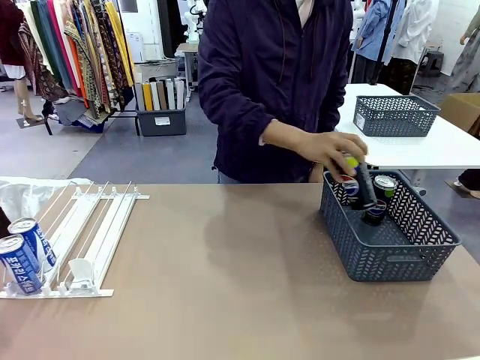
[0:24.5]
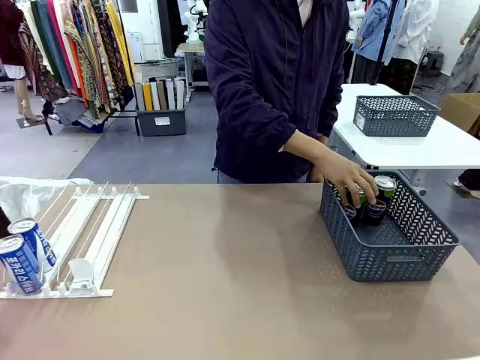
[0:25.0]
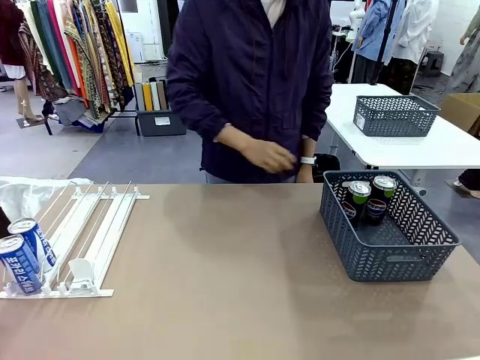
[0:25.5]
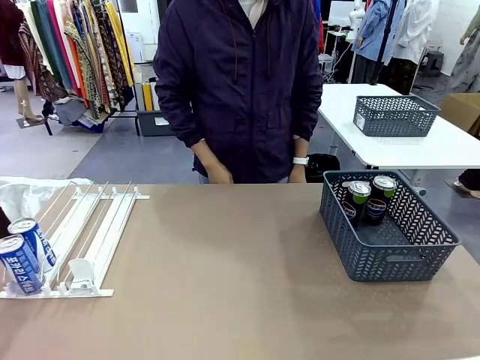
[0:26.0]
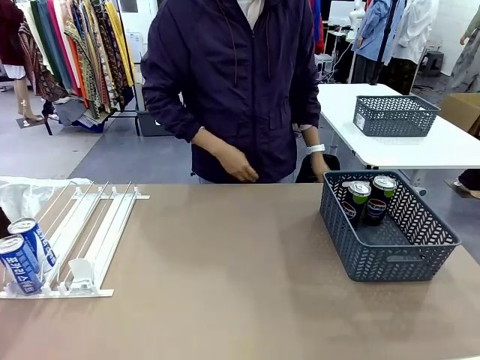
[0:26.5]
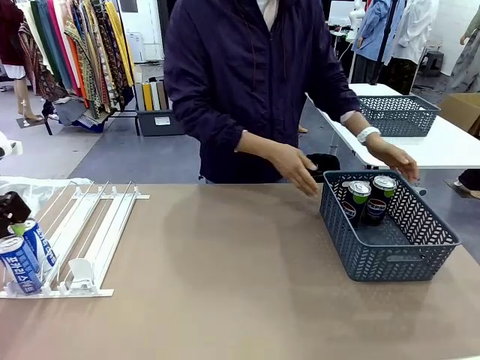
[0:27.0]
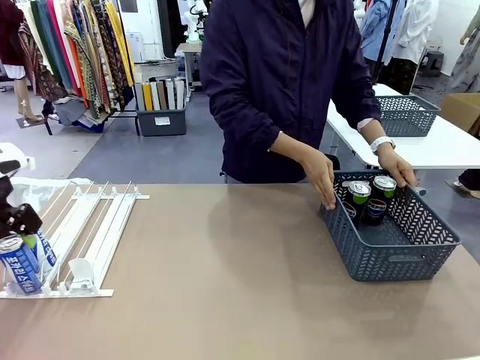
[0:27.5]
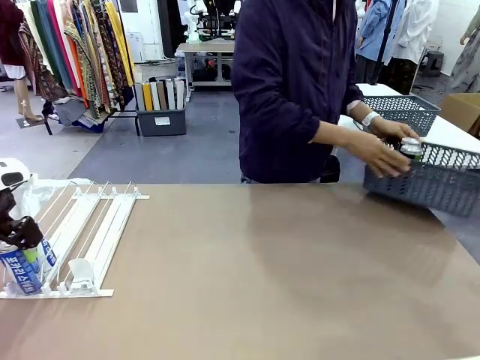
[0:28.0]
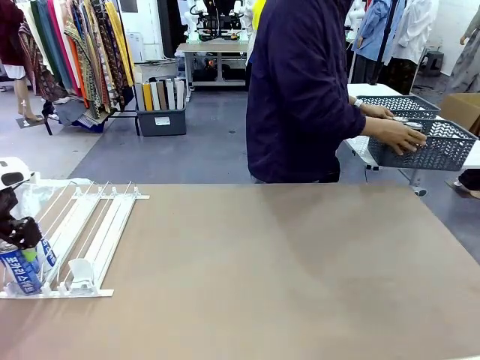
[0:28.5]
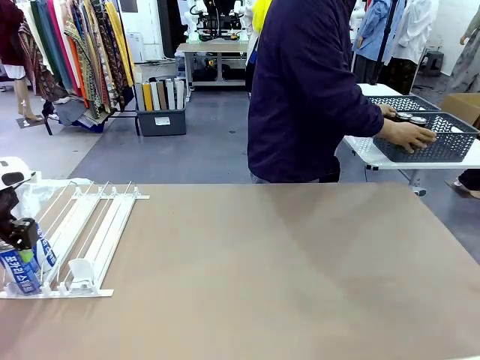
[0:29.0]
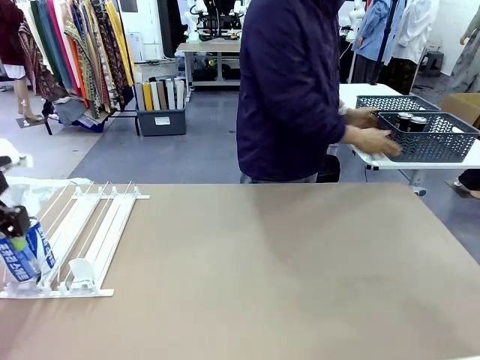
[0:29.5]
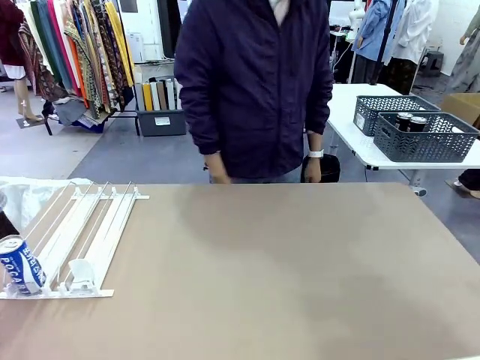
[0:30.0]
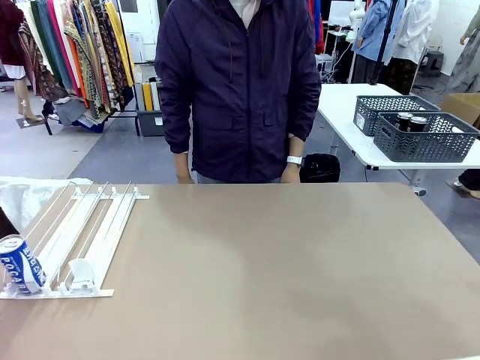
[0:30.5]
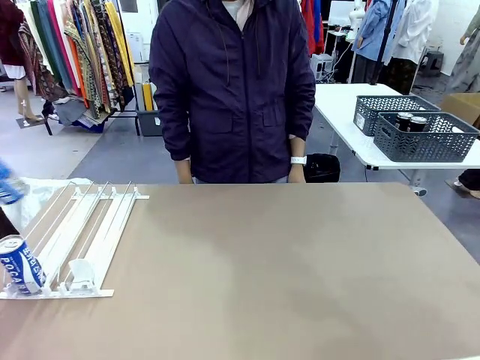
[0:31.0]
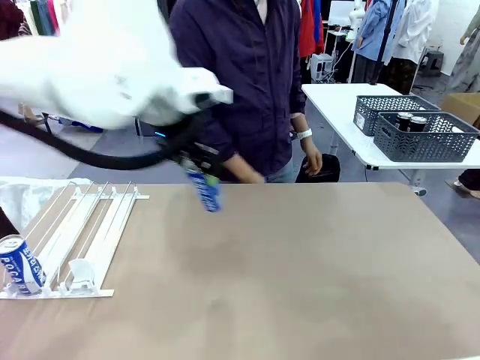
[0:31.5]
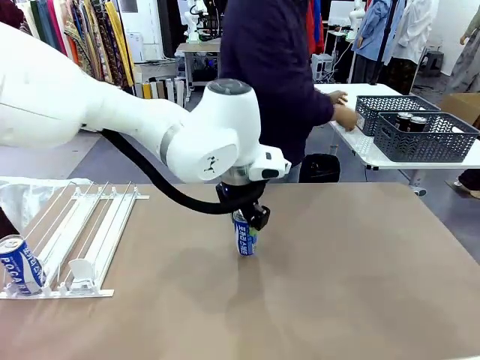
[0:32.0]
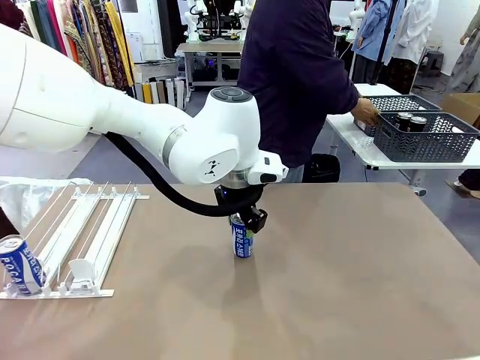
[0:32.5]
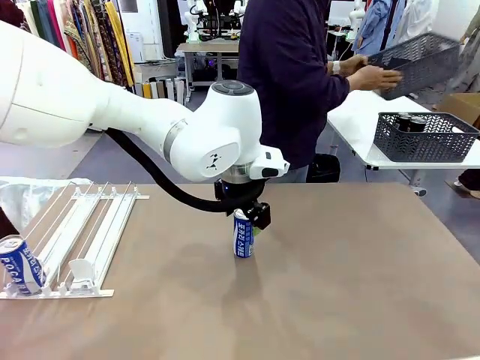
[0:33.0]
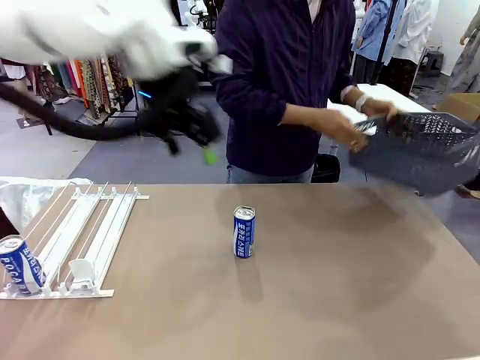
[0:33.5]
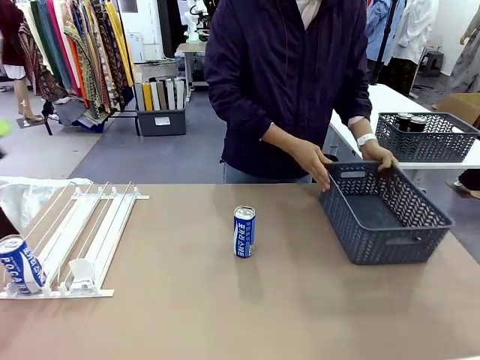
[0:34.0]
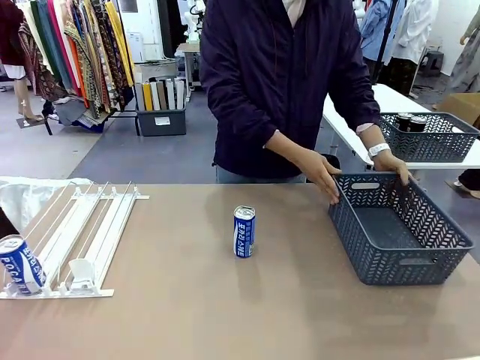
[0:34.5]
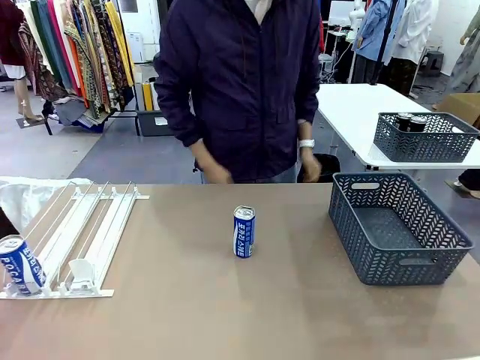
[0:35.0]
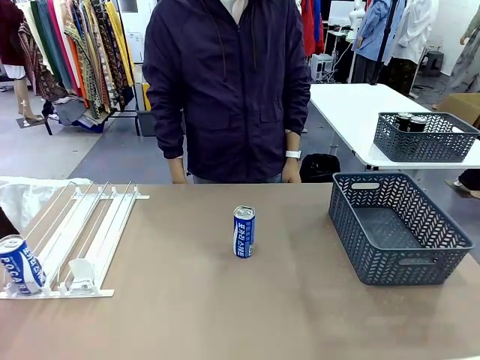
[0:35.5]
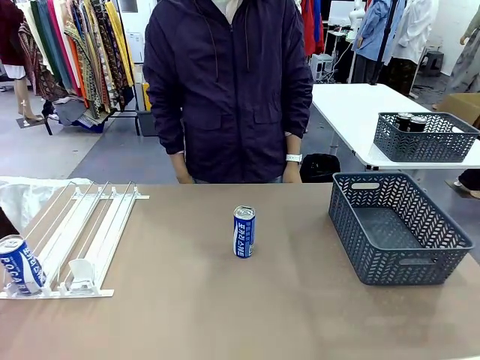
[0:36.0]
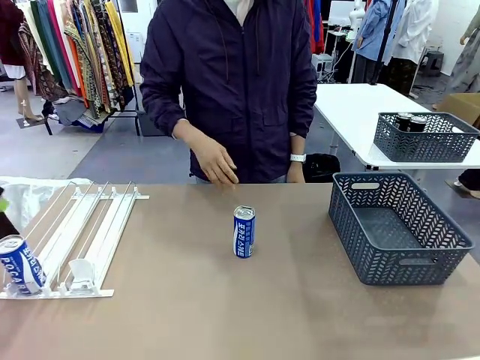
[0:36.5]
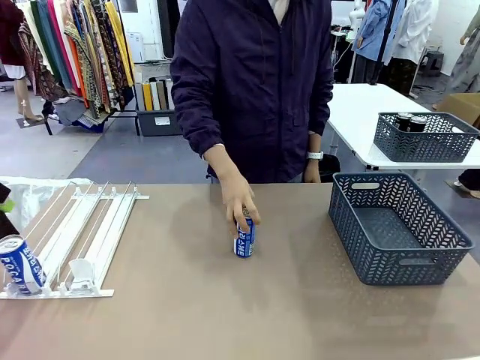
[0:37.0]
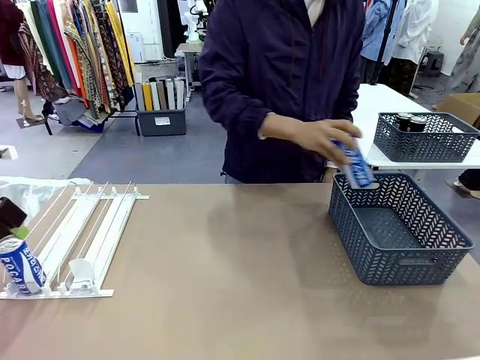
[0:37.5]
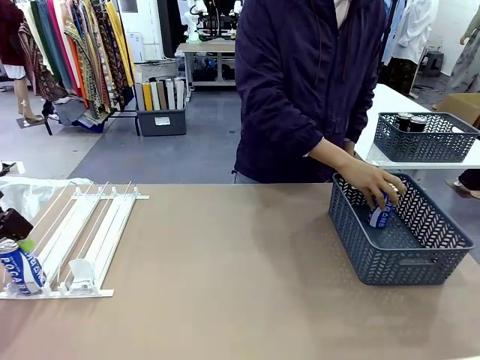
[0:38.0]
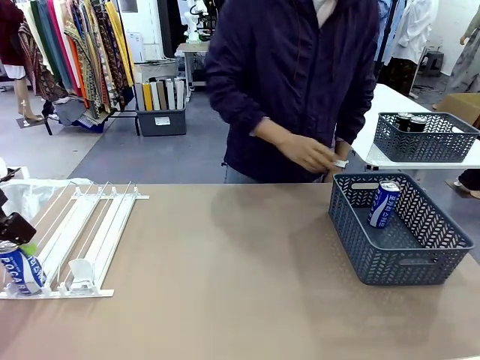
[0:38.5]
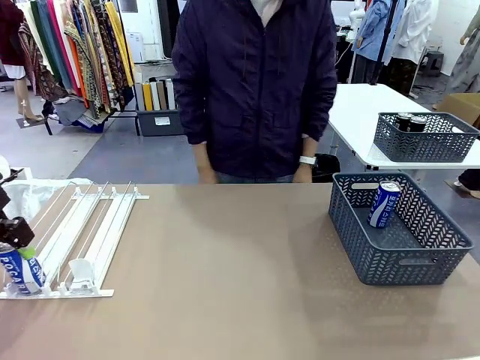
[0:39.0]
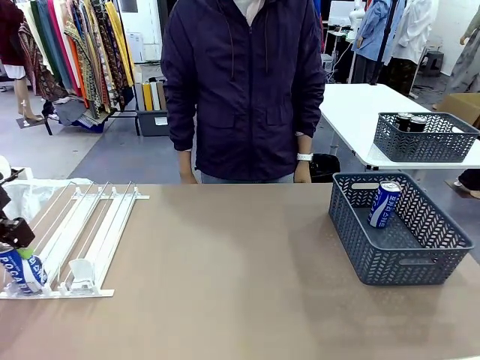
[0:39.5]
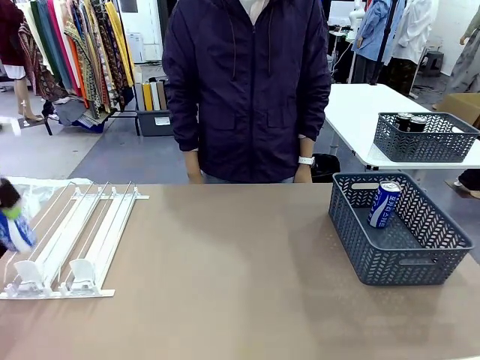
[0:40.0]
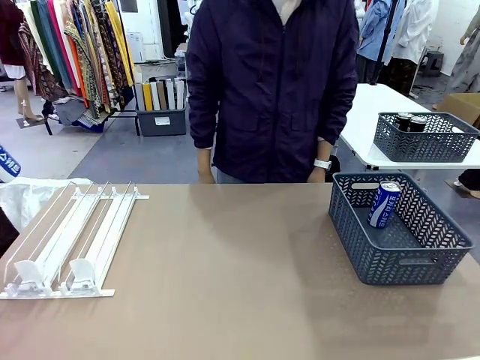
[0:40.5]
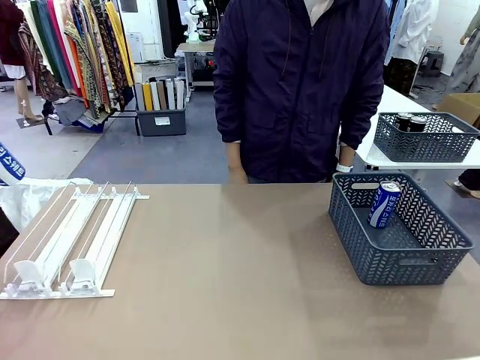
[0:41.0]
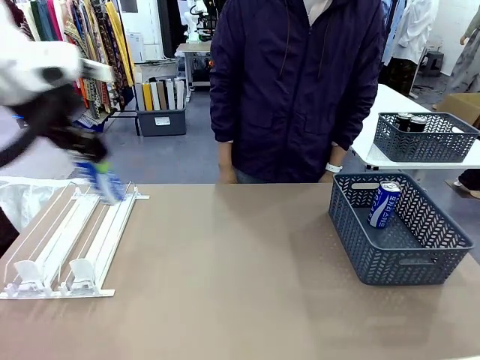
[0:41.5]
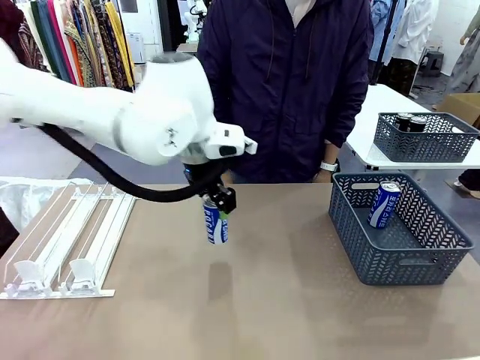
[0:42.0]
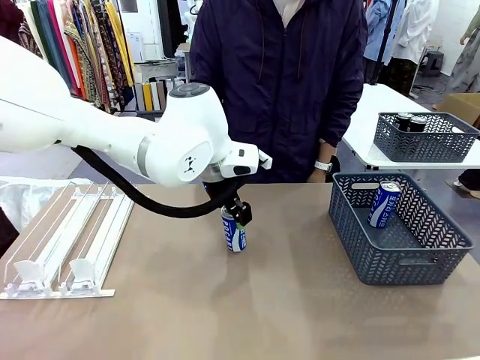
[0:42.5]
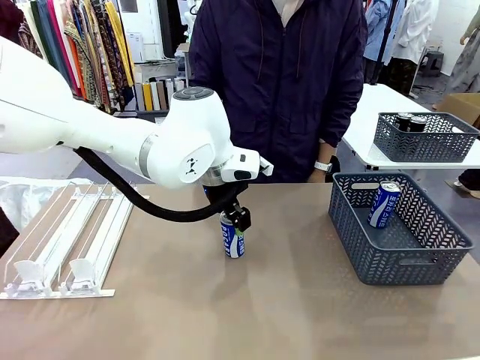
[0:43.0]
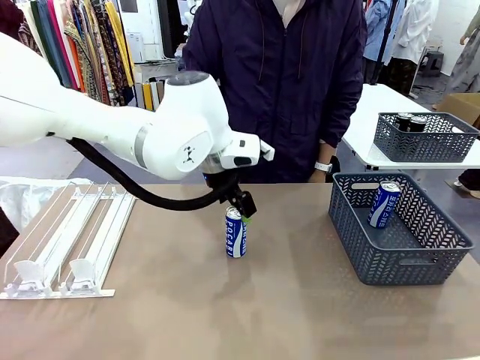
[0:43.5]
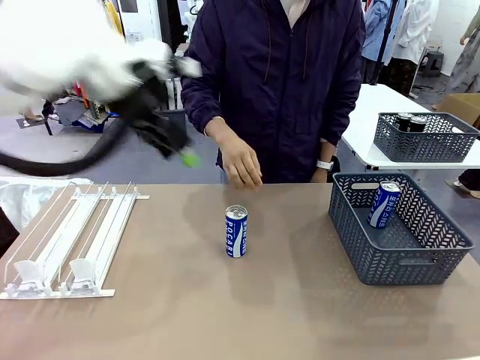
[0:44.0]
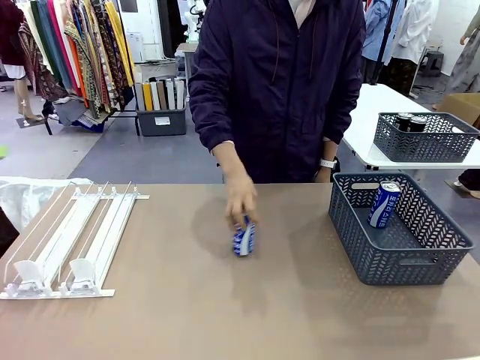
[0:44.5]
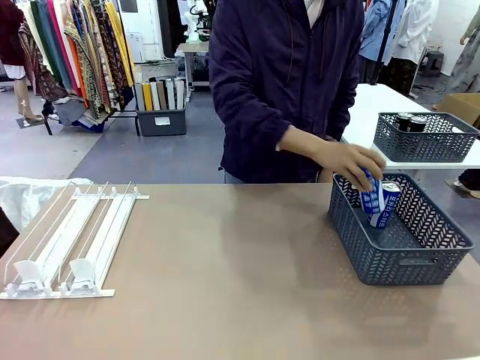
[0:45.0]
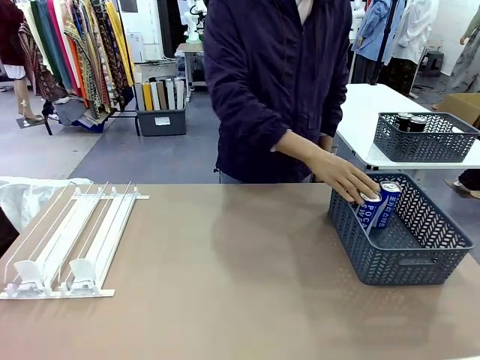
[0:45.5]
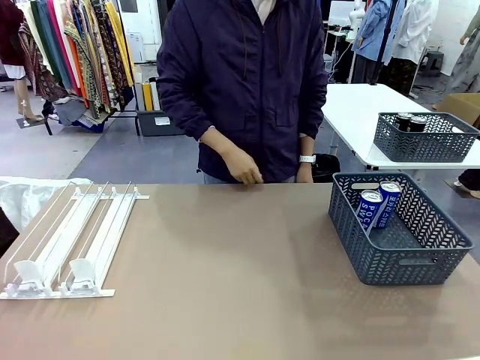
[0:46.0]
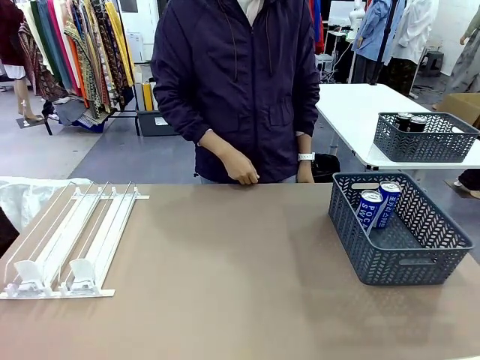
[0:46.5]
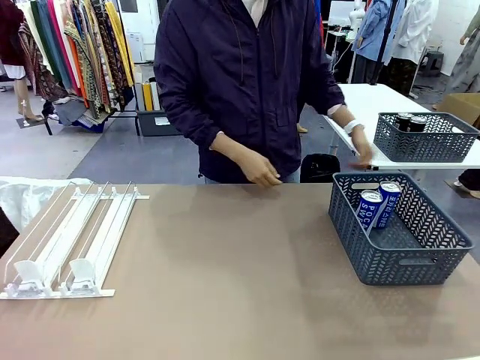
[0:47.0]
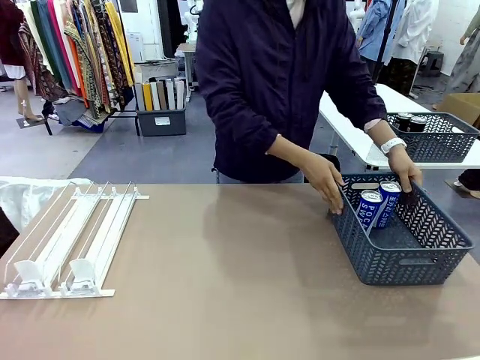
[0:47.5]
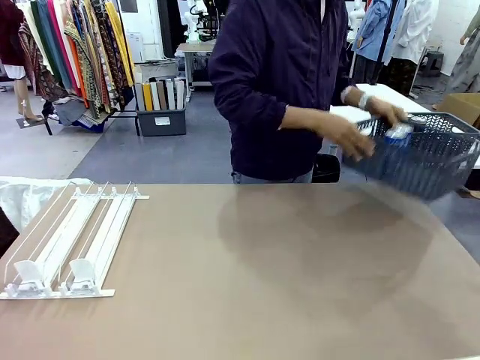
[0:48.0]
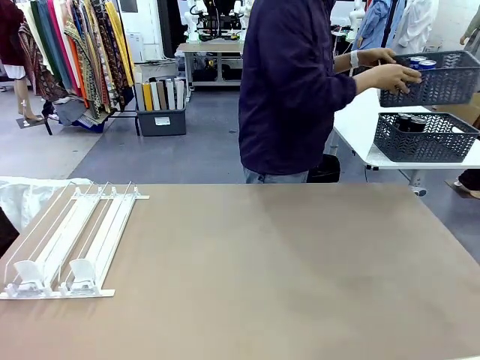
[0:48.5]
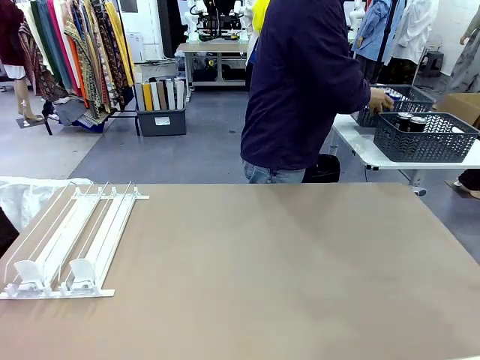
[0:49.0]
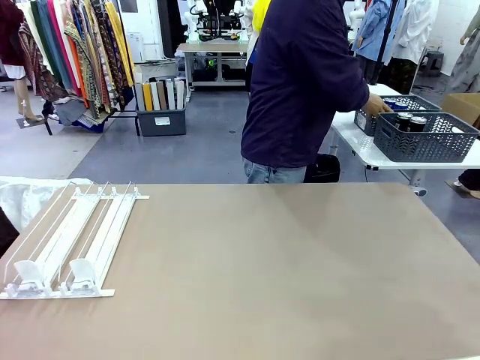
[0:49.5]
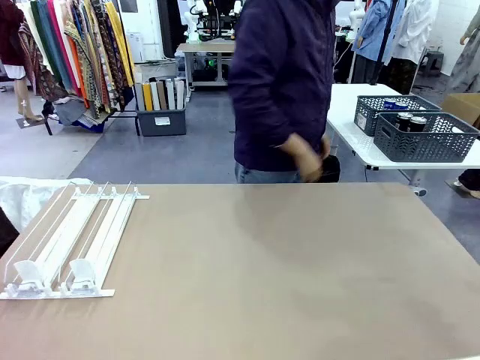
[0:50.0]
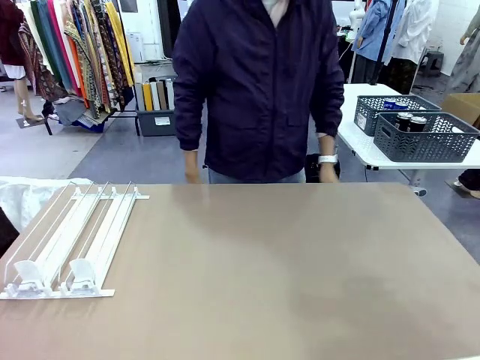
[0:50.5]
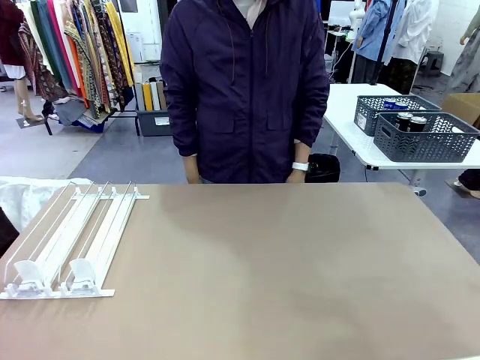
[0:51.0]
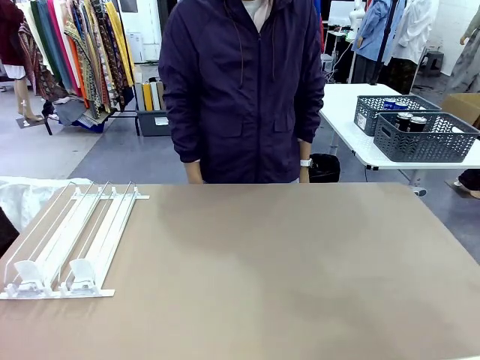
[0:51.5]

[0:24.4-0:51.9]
Task: Retrieve and store the cans from the dispenser.
Robot: Pick up one can from the Automatic Can Dispenser and place it in the middle of the table.
Person: Pick up the basket and place it in the middle of the human table. Pick up the empty basket and place it on the left side of the robot table. Pick up one sports drink can from the middle of the robot table and place it in the basket. Pick up the basket and place it in the middle of the human table.
